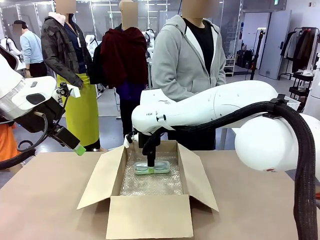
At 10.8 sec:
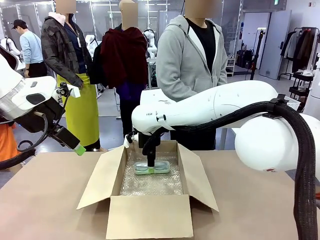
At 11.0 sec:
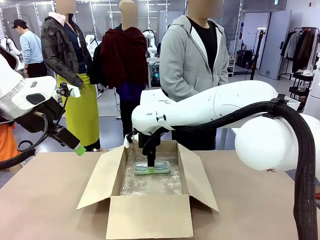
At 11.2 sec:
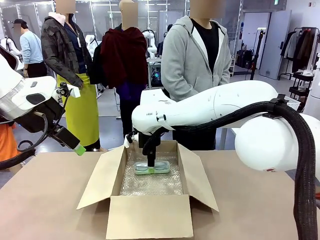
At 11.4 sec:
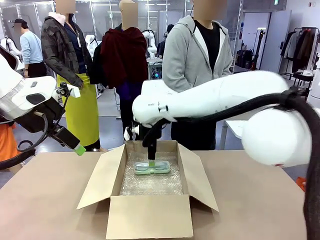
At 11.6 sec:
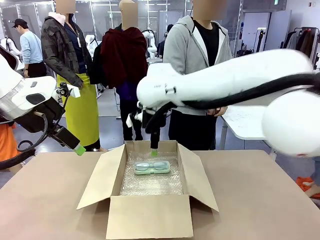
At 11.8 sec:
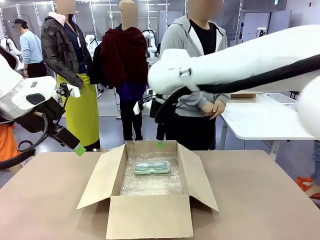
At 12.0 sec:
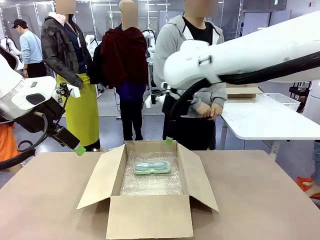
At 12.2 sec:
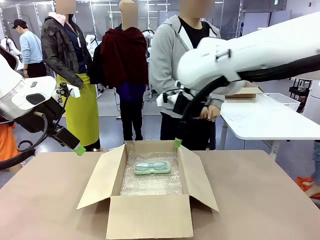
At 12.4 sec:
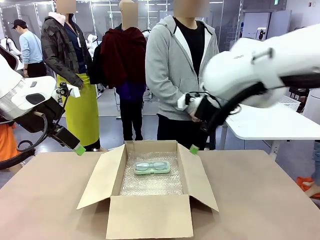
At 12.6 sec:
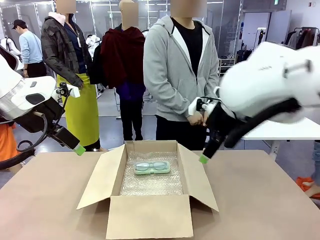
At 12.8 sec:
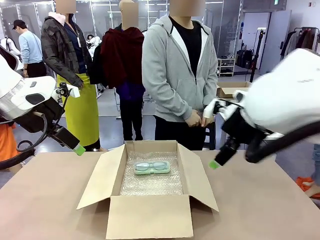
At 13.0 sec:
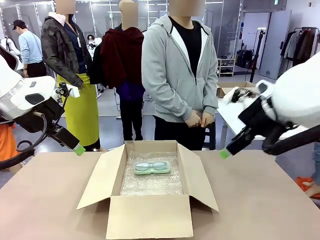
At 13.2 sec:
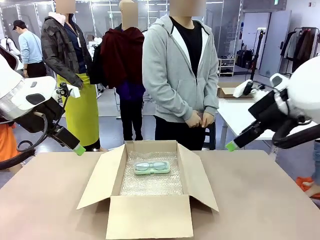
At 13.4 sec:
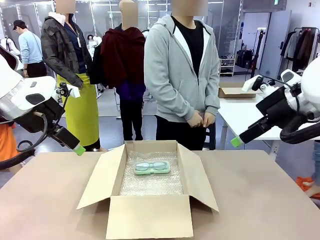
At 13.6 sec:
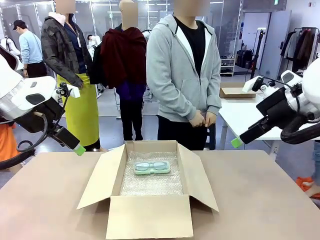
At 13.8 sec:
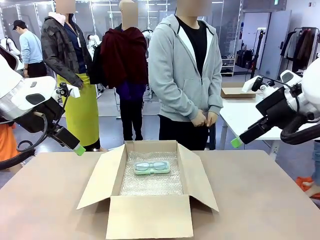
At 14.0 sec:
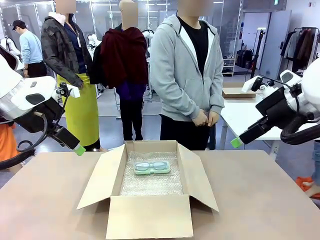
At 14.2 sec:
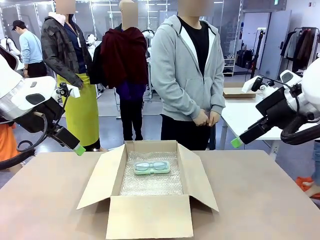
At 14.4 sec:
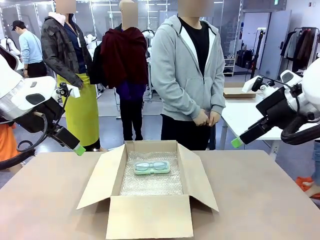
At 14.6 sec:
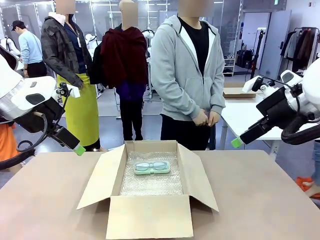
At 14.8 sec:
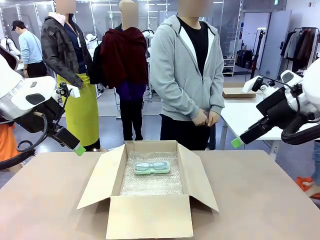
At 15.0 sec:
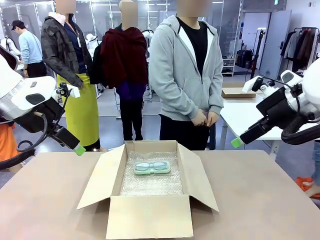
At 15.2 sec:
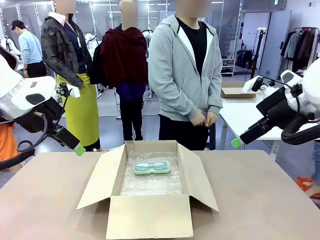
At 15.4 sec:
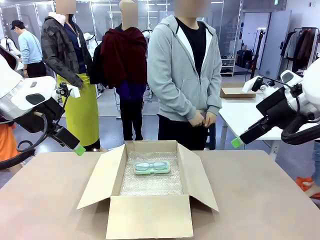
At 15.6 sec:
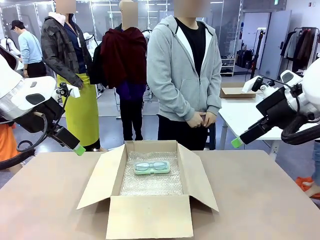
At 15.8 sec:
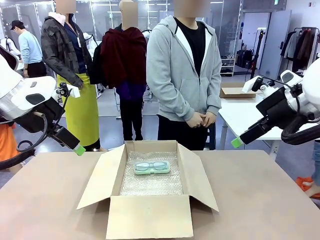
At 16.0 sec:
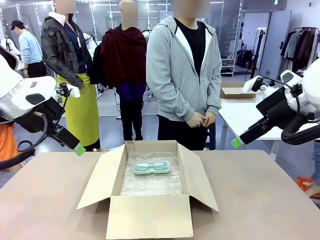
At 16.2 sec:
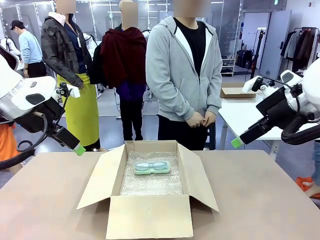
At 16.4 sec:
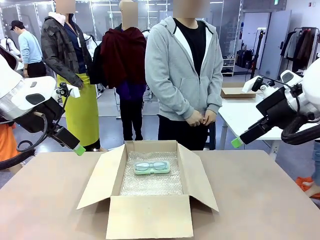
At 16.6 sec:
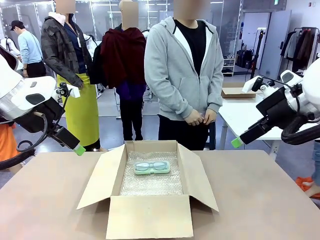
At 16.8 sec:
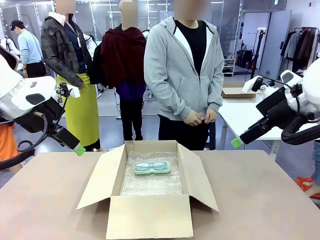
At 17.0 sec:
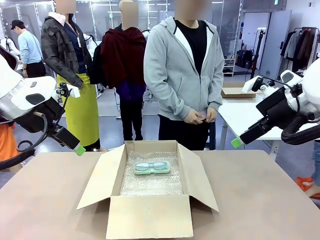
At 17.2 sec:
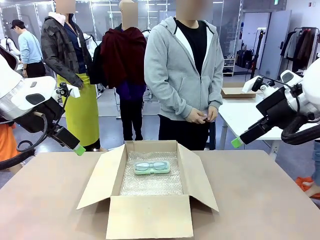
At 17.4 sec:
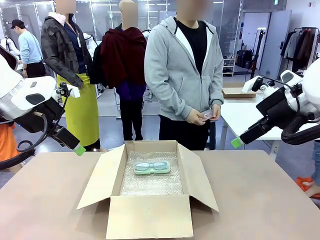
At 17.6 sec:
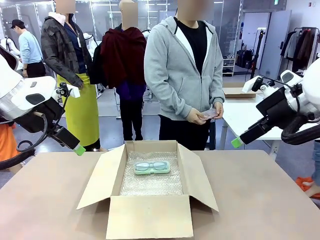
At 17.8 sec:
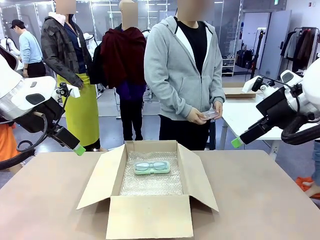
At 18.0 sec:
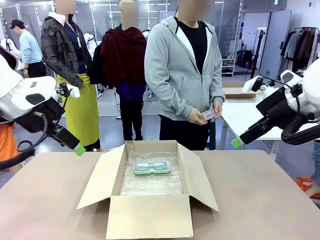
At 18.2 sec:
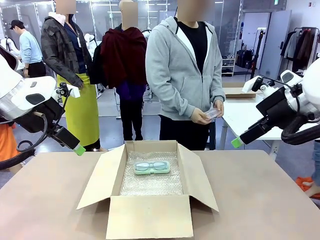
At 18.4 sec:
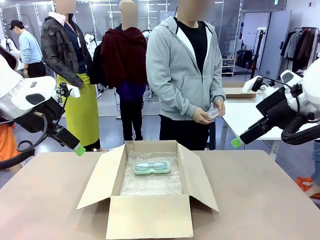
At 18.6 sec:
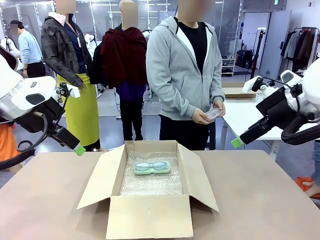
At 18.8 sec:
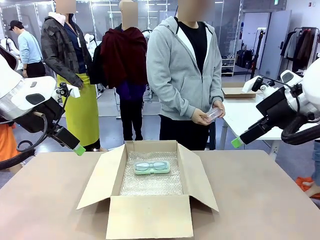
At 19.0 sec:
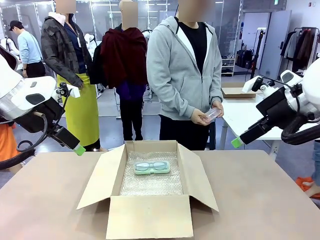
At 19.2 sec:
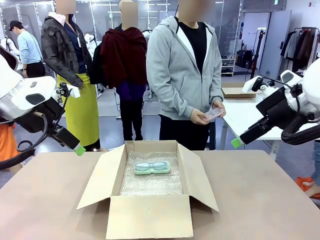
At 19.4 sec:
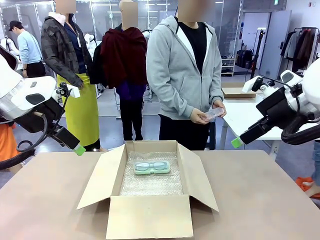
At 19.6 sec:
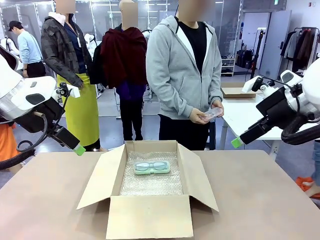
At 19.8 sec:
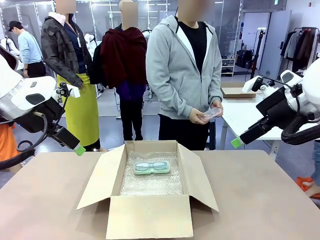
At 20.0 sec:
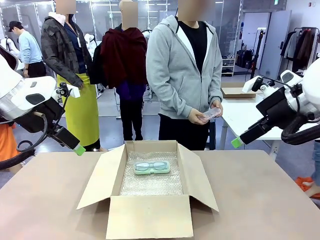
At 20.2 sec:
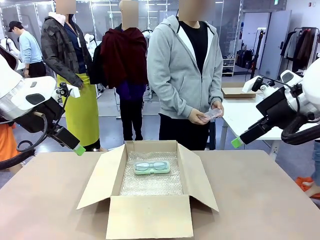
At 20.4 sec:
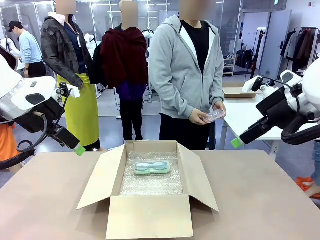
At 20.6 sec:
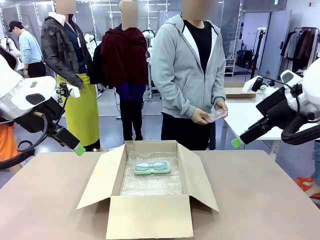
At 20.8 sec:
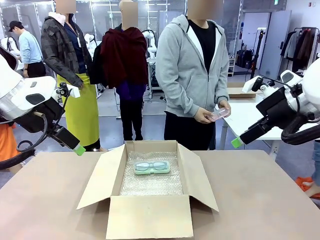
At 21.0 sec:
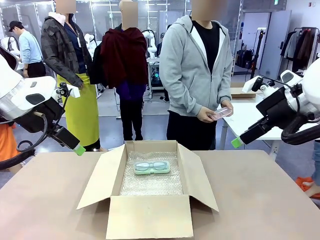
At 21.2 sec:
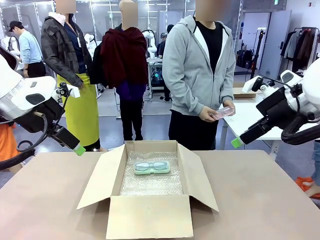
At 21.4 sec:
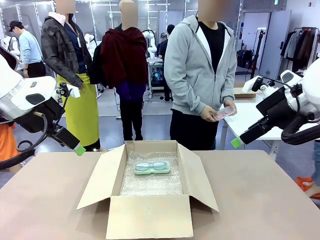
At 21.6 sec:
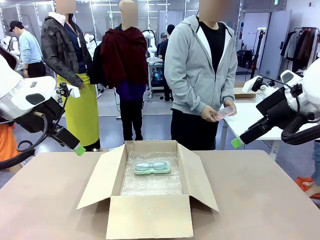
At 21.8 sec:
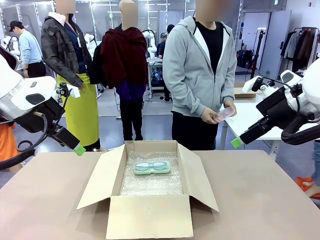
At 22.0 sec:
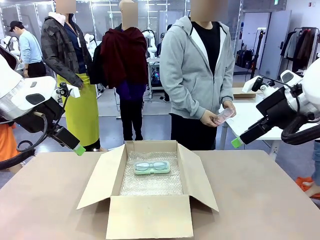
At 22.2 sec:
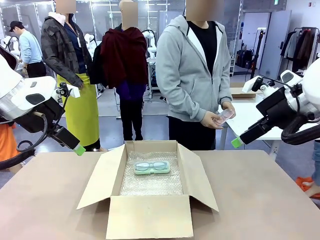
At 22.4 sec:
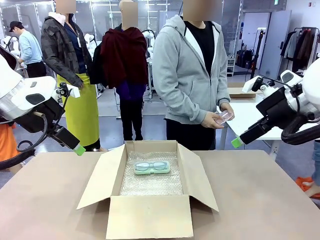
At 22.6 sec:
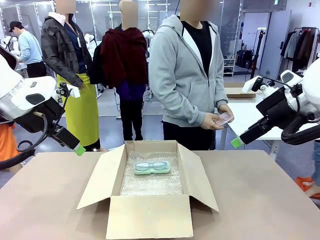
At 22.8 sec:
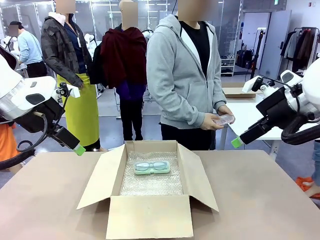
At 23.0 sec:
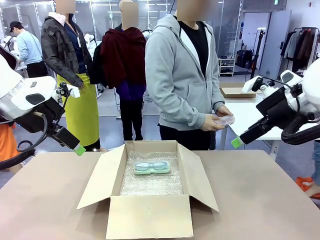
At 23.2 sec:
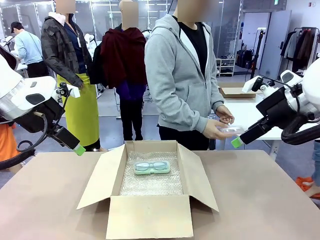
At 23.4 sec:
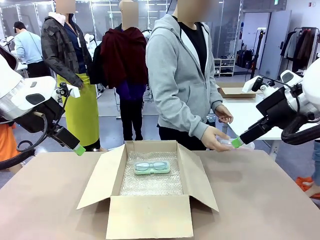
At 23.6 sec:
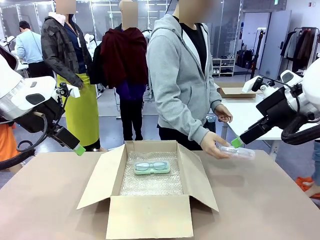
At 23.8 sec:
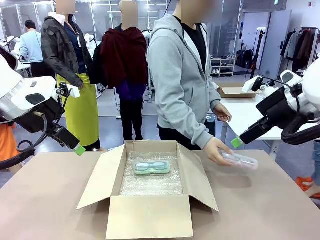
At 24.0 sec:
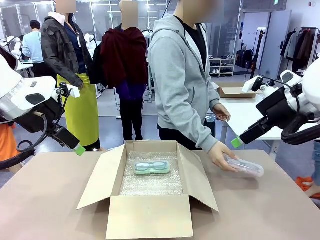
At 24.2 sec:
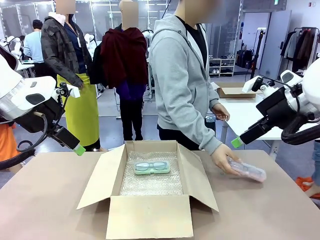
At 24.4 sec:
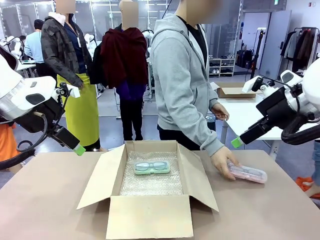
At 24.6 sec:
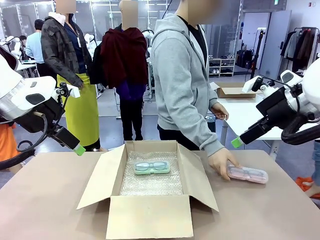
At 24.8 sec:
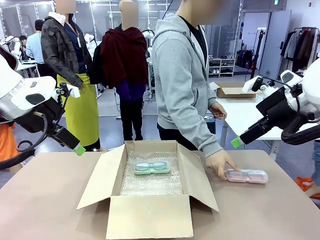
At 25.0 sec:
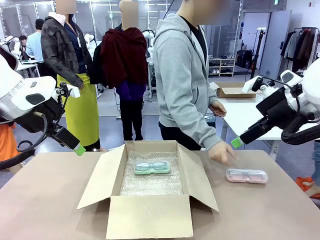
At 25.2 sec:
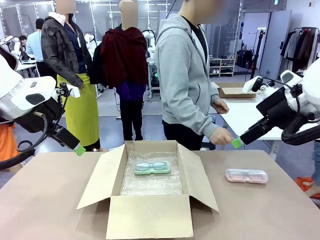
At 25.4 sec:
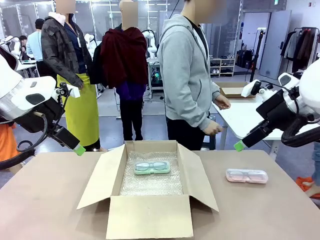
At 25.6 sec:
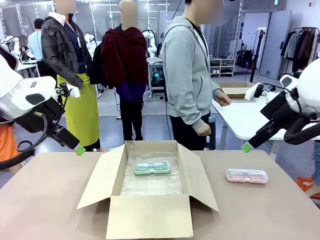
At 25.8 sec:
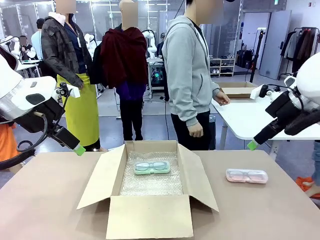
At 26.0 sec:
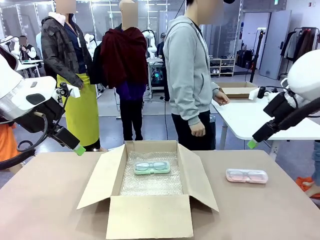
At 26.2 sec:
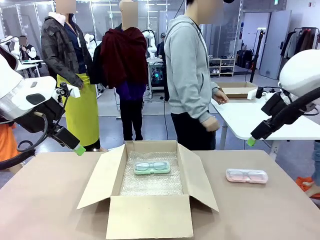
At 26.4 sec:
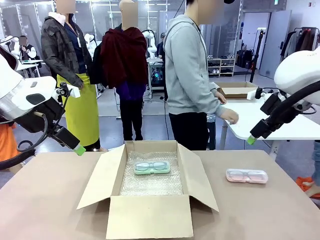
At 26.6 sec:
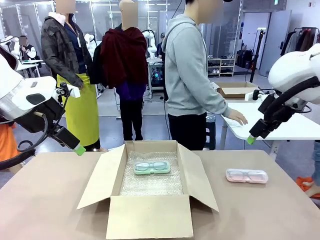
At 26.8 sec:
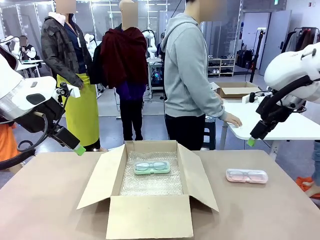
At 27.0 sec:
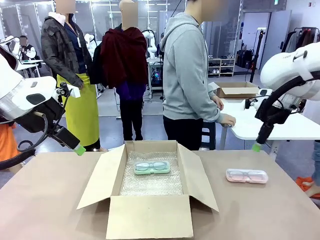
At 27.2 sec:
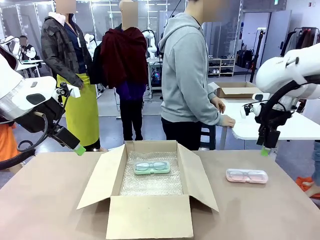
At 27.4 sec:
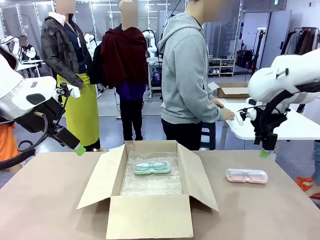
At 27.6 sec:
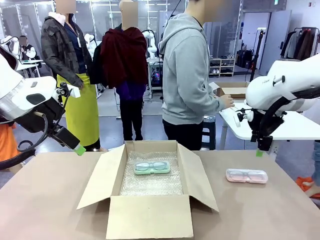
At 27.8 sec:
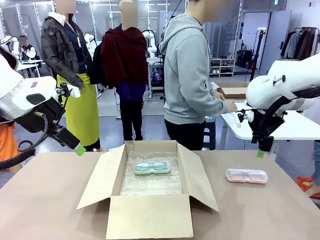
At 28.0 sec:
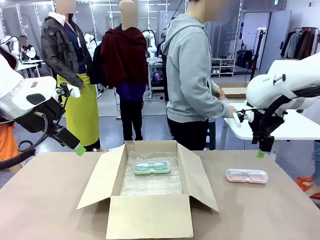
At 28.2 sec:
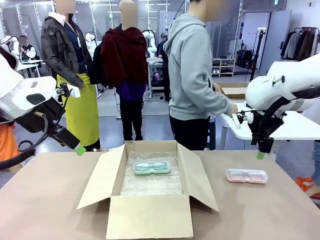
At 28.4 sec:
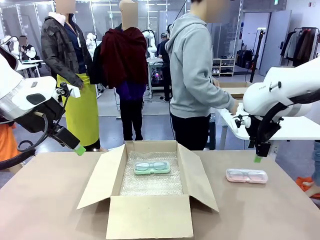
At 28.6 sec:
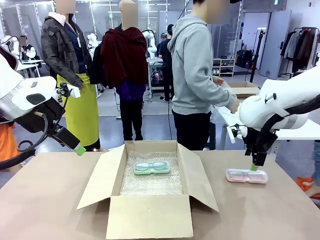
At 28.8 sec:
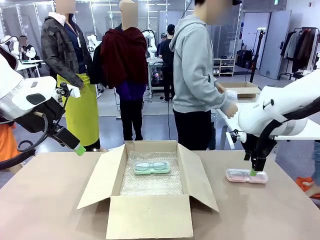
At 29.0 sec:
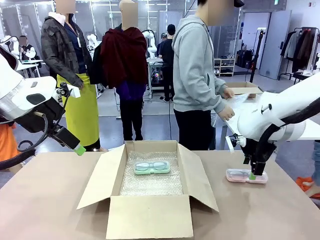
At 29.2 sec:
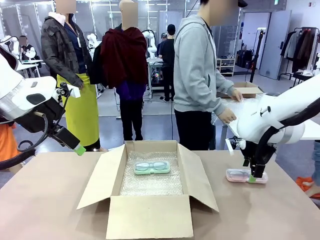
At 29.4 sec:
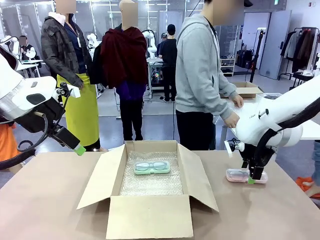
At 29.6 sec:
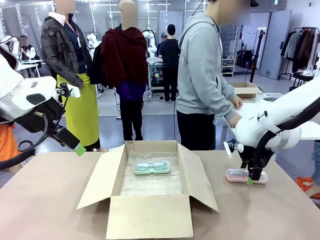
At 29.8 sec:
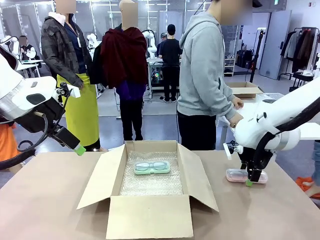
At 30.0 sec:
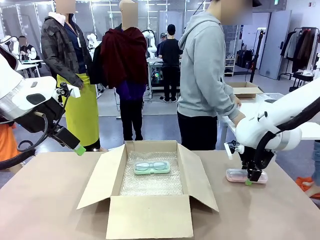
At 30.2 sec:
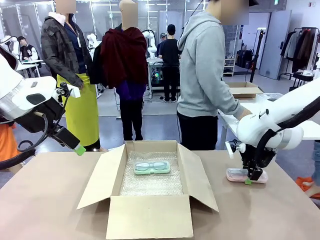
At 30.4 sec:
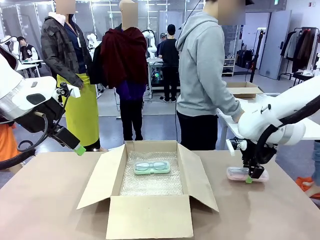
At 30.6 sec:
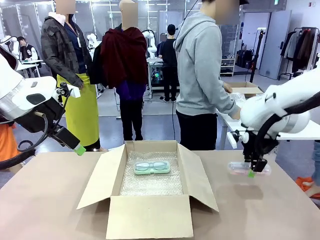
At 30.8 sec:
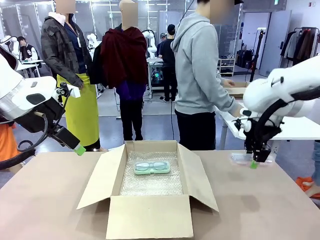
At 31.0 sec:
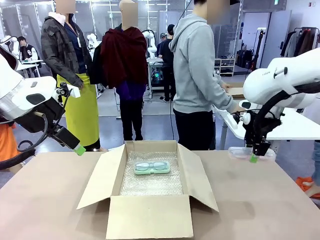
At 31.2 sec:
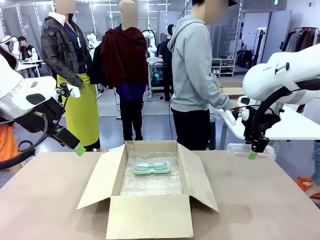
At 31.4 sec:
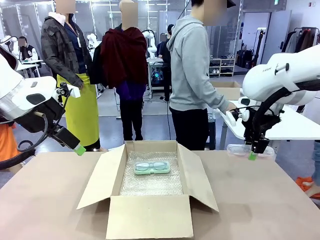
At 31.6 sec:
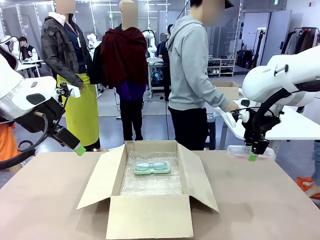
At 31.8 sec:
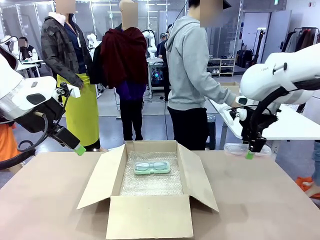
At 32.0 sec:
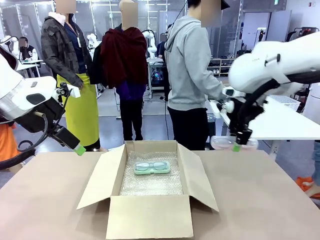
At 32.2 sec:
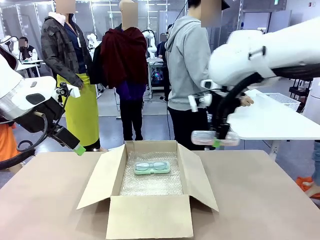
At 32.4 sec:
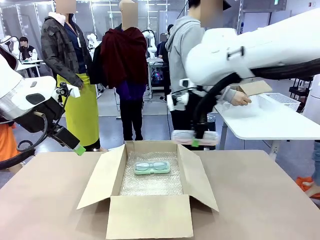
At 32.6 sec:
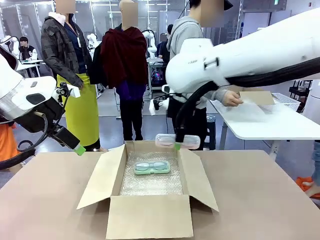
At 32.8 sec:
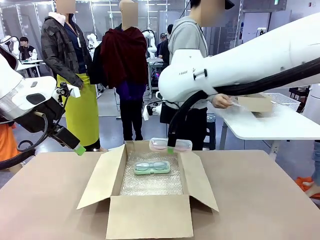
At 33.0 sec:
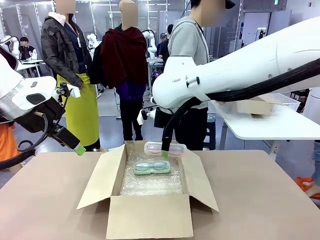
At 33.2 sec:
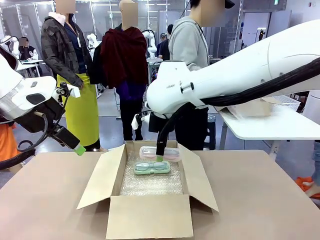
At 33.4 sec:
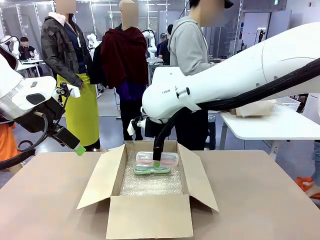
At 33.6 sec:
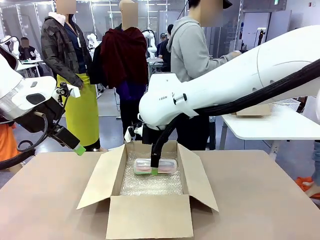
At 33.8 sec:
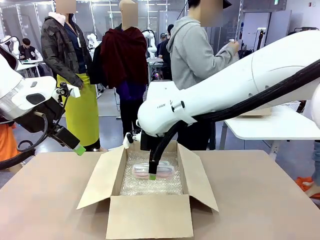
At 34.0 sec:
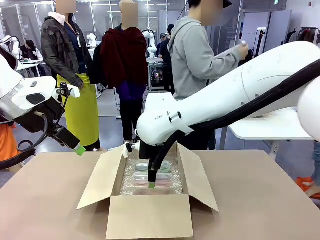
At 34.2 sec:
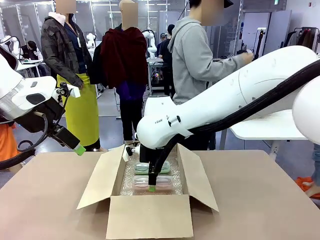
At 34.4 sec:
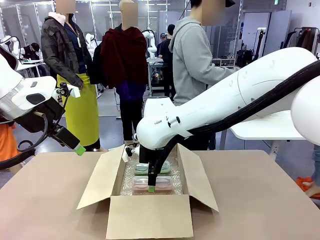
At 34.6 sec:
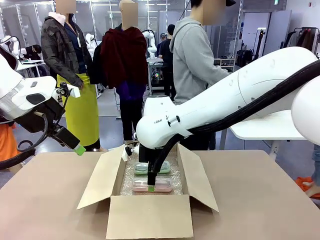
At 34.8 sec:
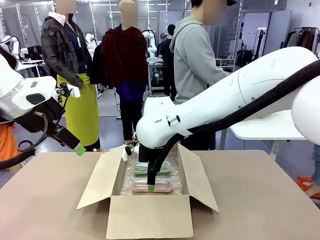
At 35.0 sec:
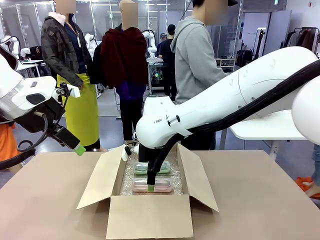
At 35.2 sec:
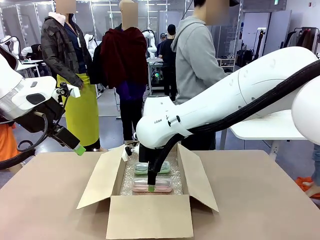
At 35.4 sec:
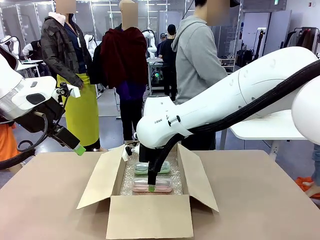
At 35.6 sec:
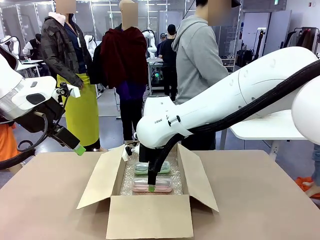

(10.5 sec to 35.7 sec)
Task: Pack the glasses set securely to prepare it for shipping.
Robot: Put the Glasses case from the right side of the table into the Package Box.
Person: Position the Glasses case on the left side of the robot's table.
